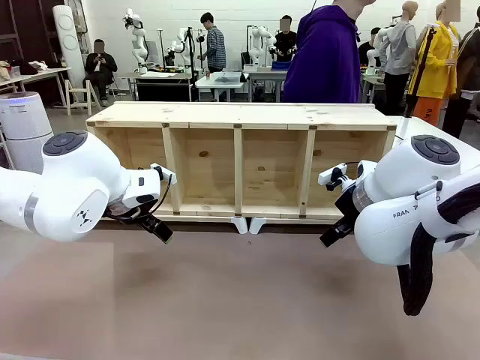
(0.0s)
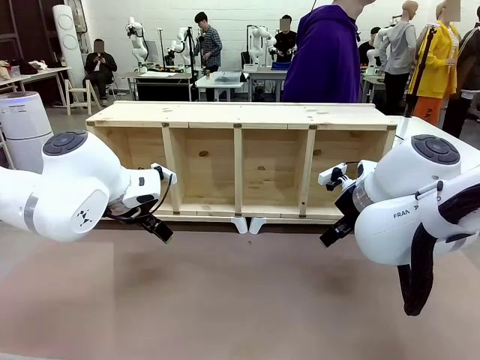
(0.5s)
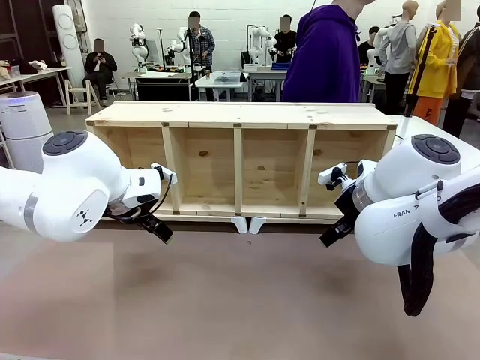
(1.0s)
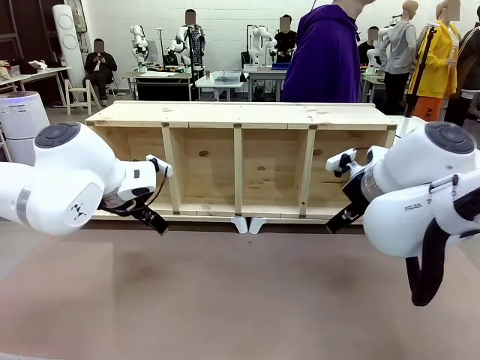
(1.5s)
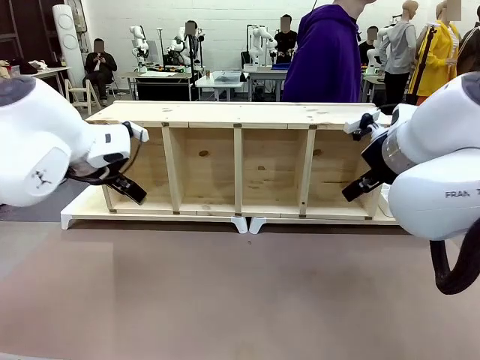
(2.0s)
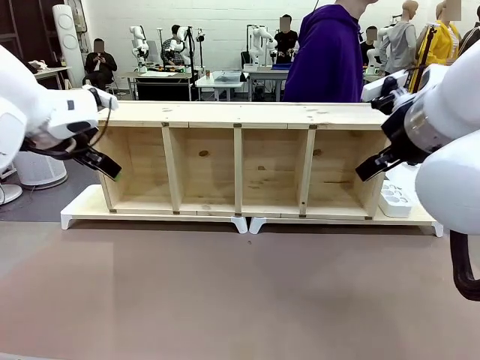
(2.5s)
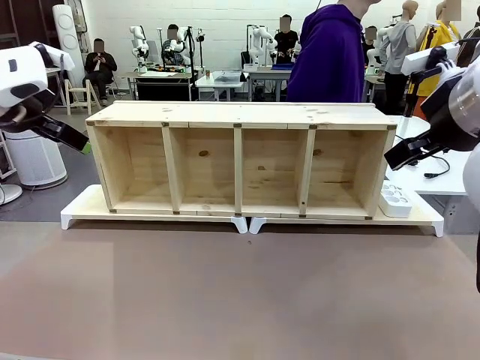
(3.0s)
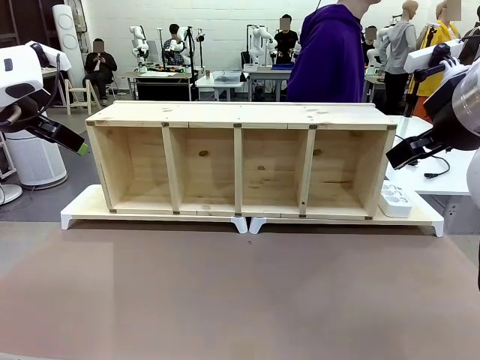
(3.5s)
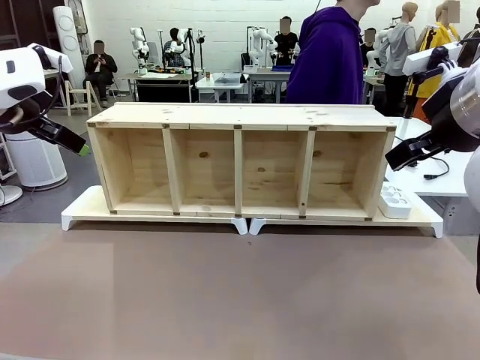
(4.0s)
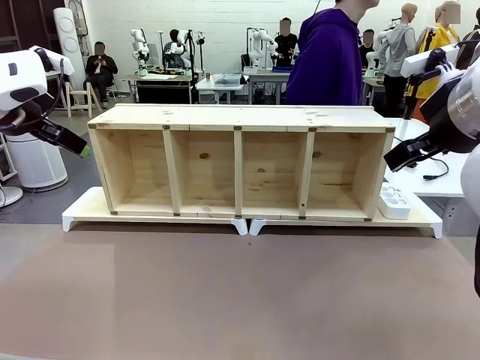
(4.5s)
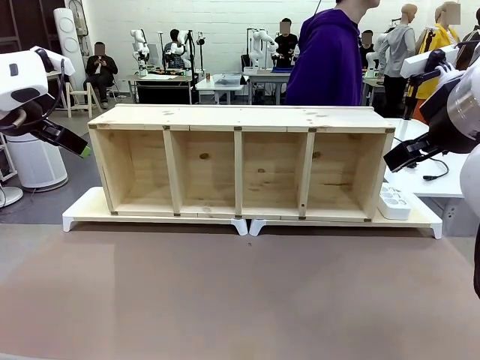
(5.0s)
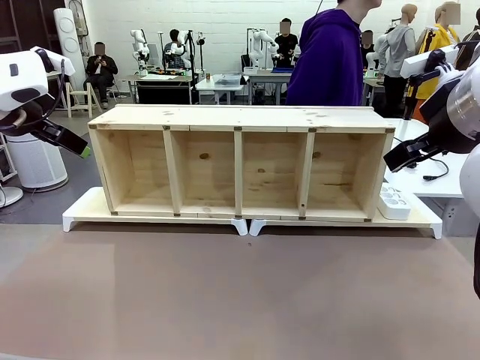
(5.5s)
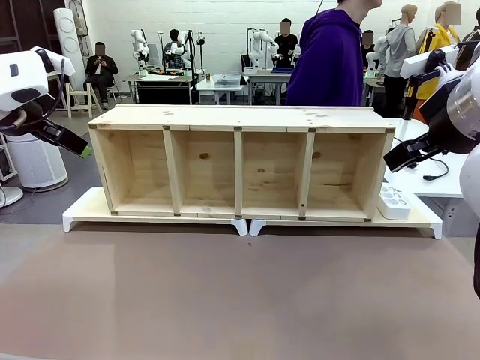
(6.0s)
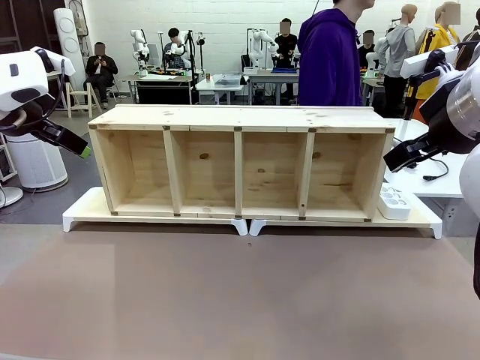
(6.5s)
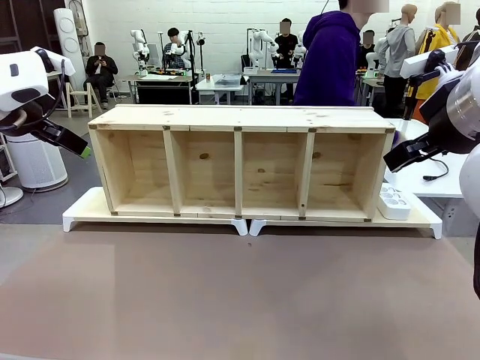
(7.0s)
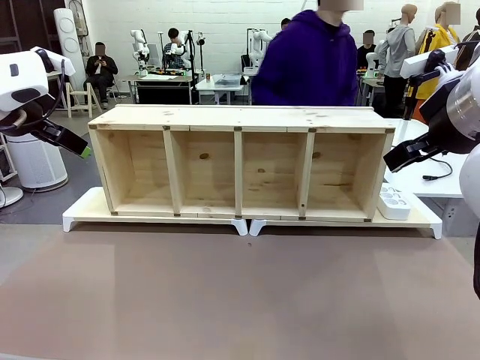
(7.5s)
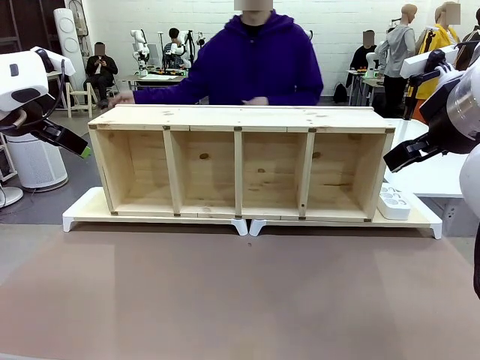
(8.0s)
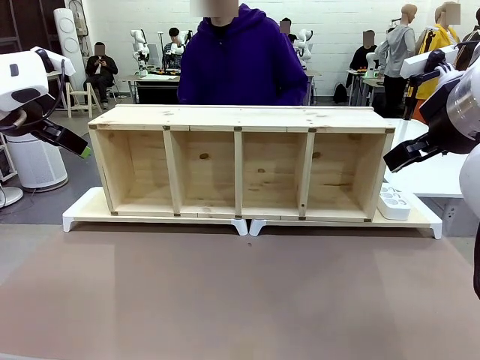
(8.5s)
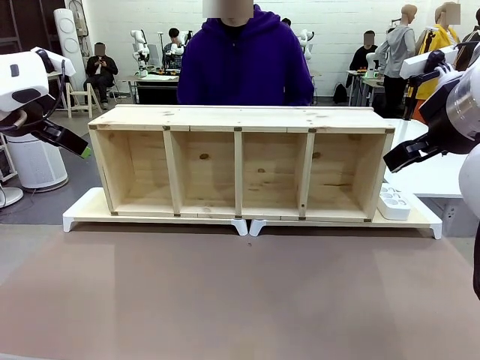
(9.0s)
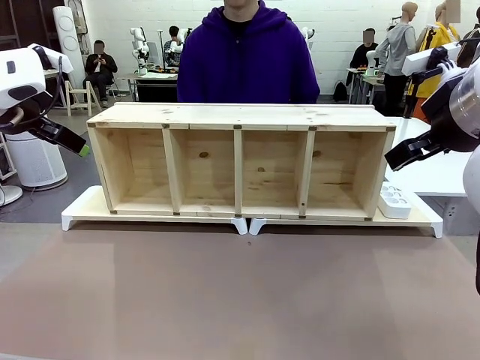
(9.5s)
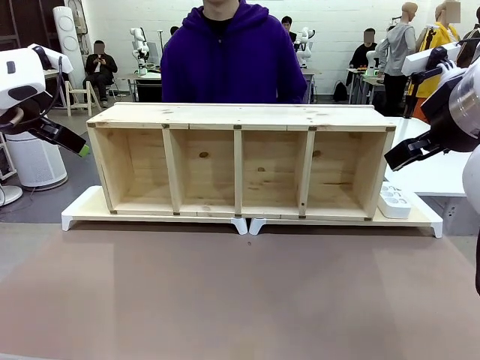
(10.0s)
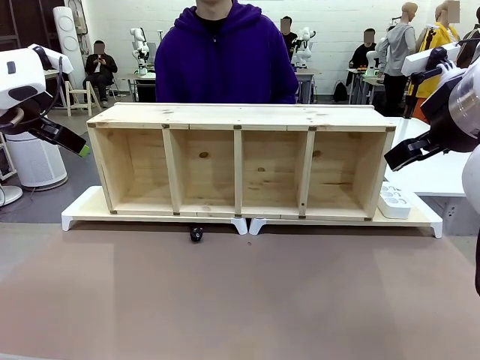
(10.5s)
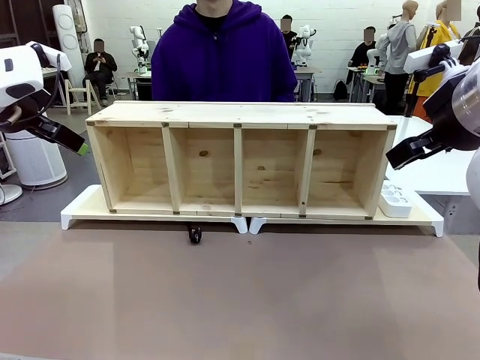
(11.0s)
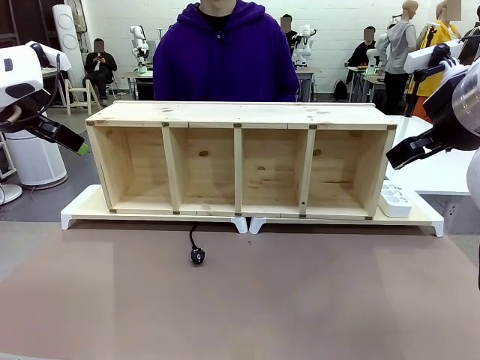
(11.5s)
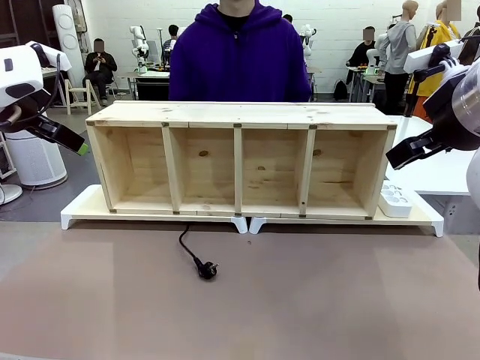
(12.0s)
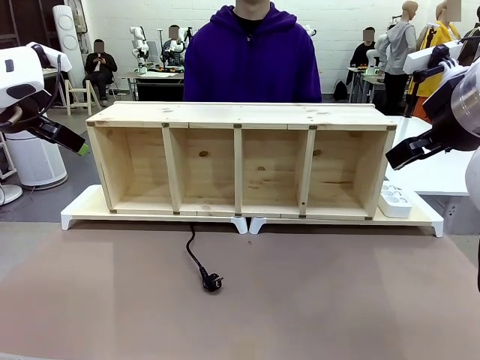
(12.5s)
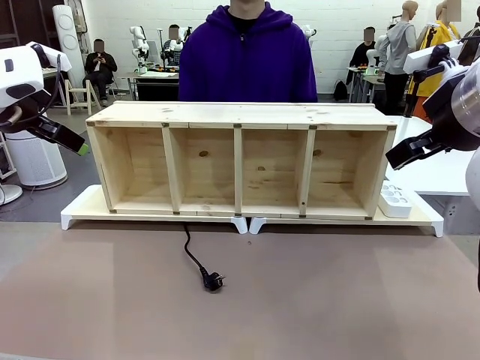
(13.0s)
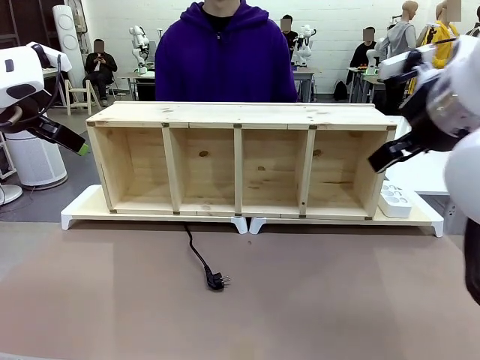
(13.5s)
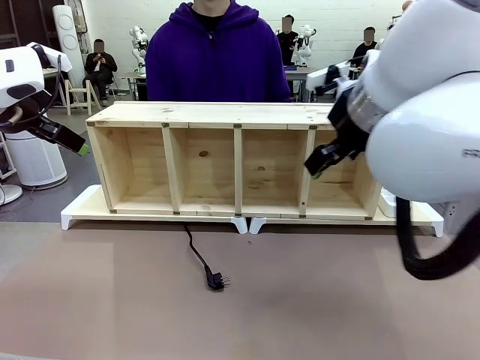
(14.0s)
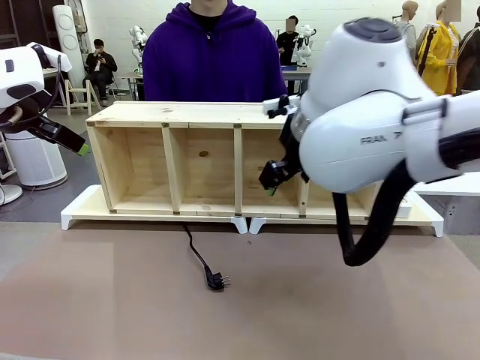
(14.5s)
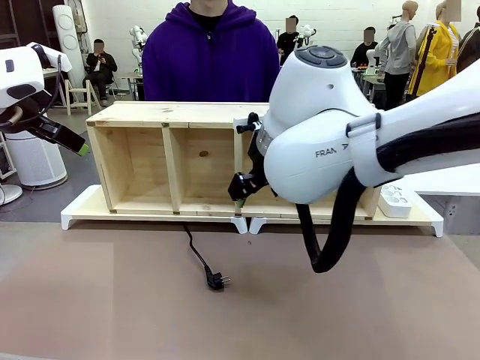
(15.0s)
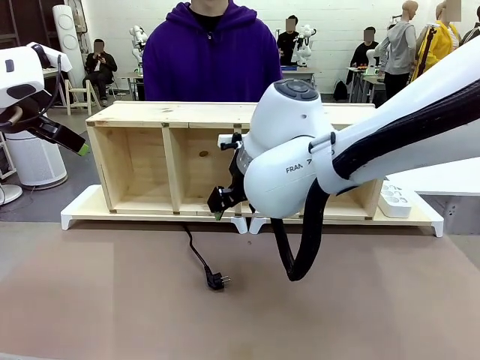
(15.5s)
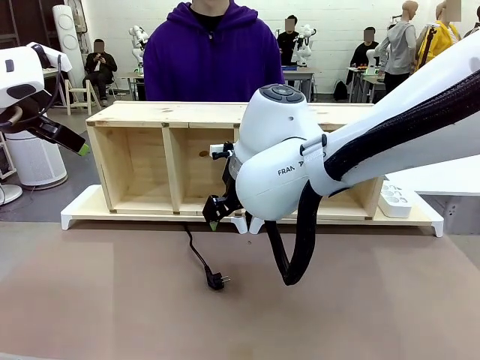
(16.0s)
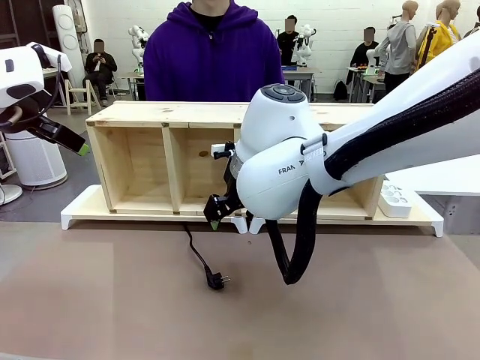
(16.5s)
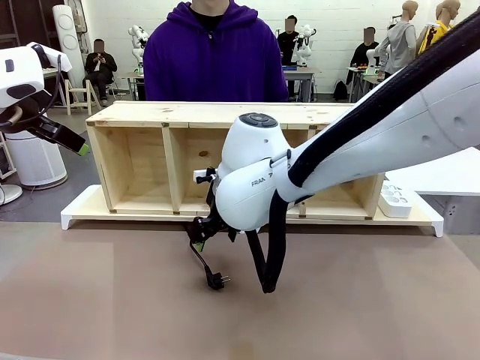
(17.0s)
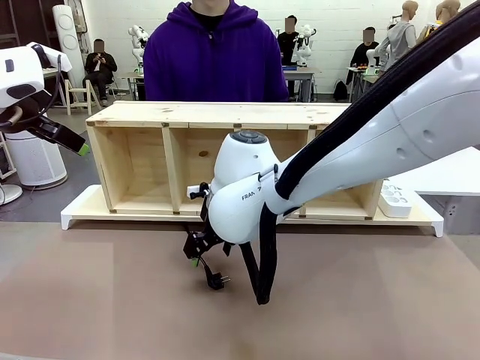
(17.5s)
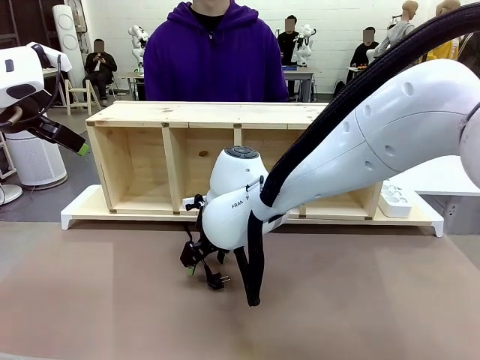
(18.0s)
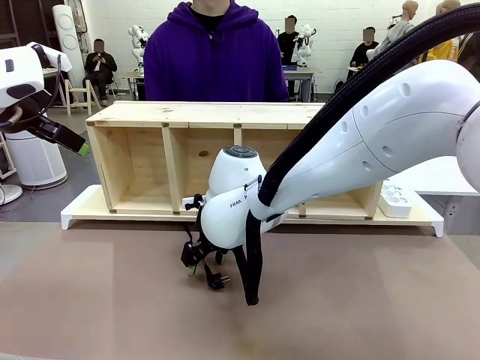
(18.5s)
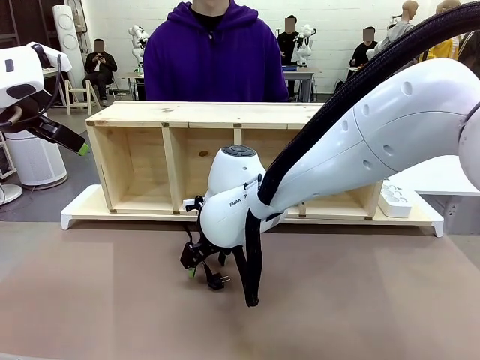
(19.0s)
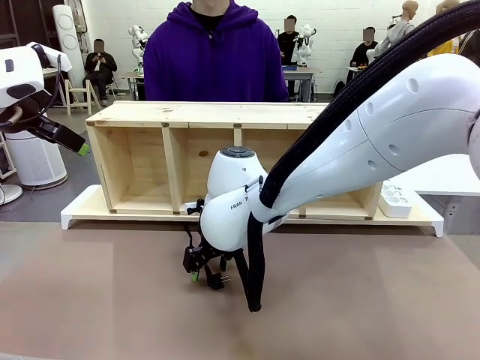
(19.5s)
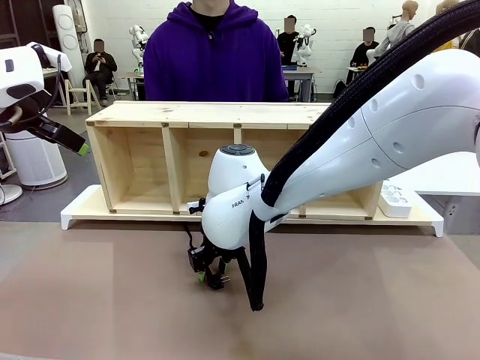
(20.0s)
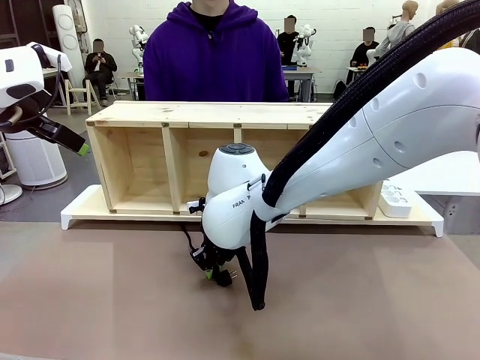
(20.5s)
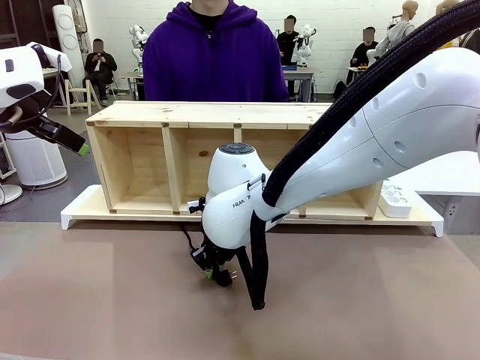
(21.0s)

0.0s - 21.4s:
Task: Perform cable management.
Robot: When the cord part of the Power Cable appears at the lower middle area of the table and stops, grasp the cord part of the Power Cable.
Person: Pass the Power Cable under the Serving Table.
